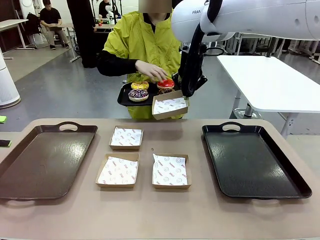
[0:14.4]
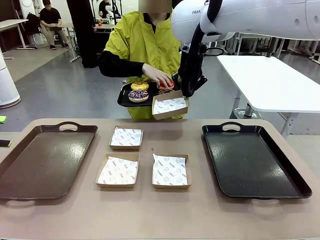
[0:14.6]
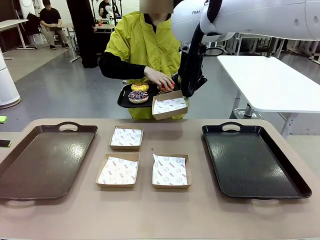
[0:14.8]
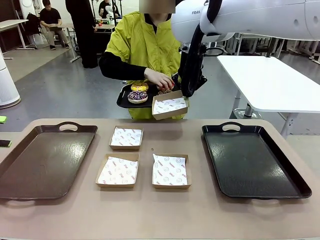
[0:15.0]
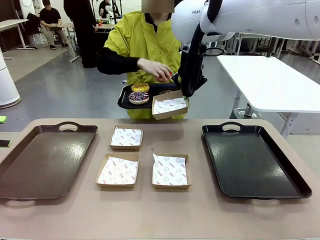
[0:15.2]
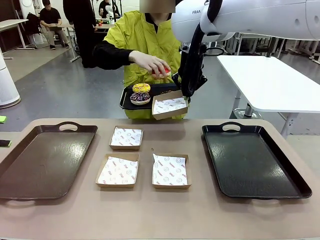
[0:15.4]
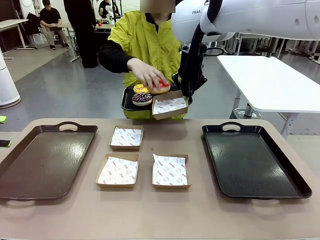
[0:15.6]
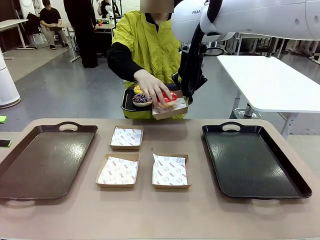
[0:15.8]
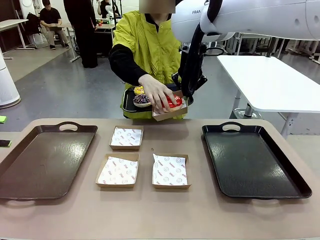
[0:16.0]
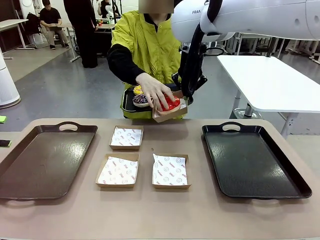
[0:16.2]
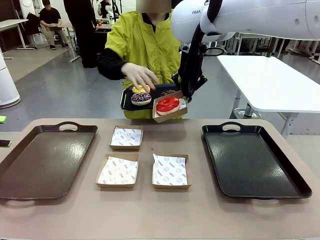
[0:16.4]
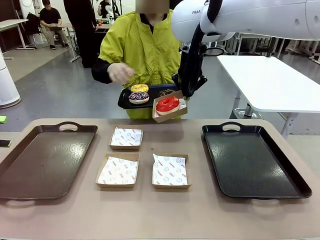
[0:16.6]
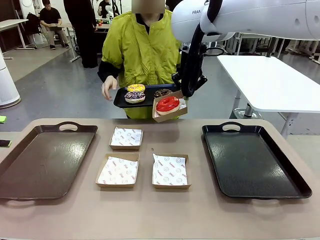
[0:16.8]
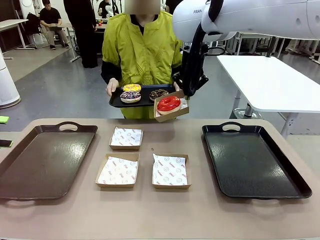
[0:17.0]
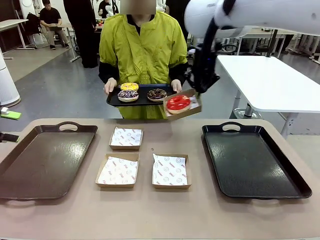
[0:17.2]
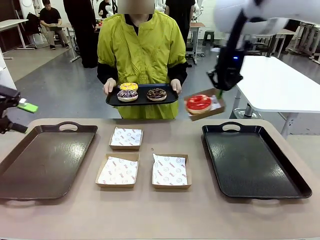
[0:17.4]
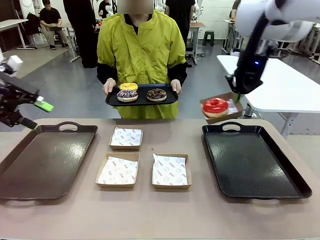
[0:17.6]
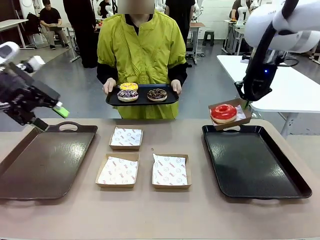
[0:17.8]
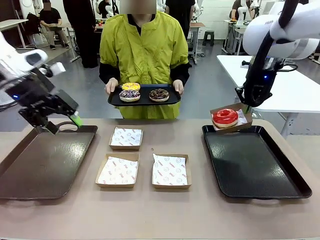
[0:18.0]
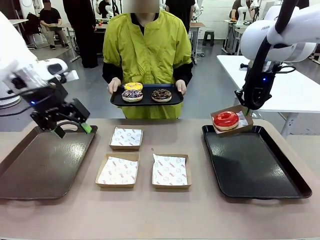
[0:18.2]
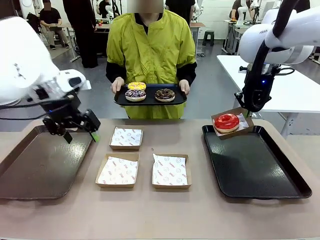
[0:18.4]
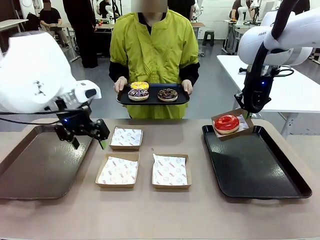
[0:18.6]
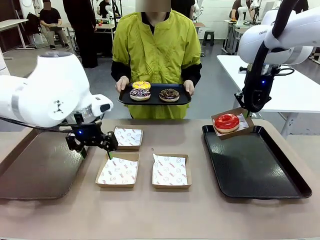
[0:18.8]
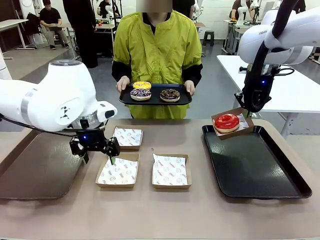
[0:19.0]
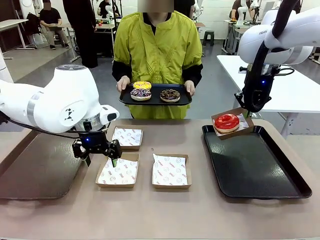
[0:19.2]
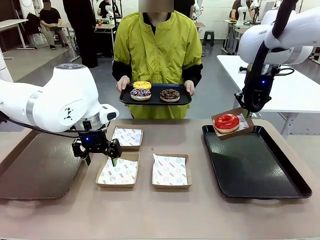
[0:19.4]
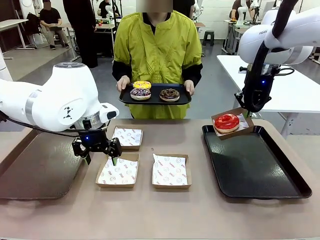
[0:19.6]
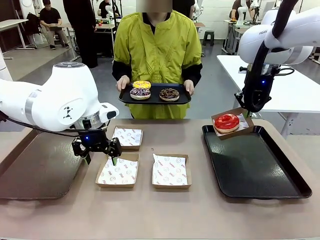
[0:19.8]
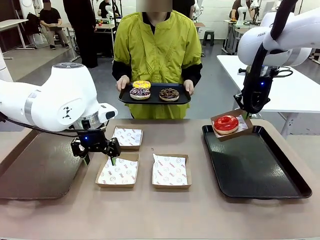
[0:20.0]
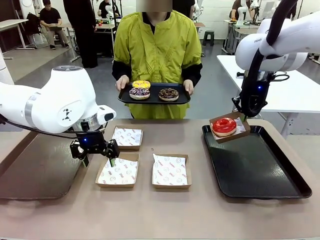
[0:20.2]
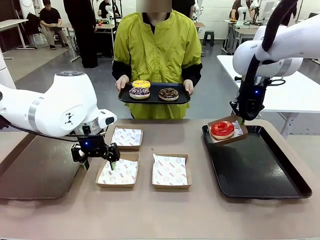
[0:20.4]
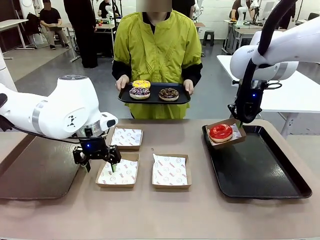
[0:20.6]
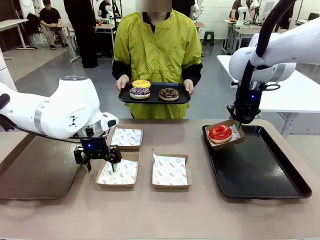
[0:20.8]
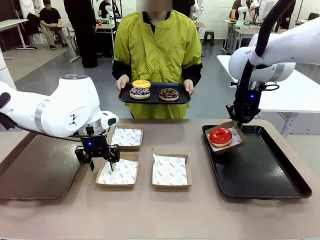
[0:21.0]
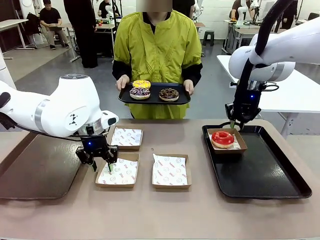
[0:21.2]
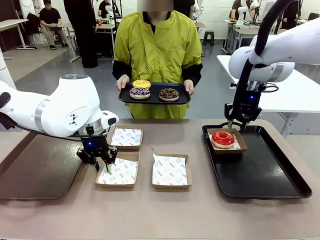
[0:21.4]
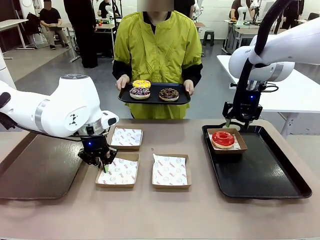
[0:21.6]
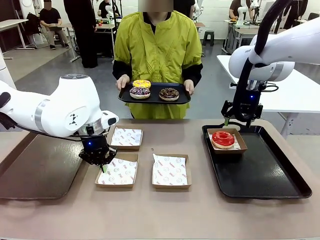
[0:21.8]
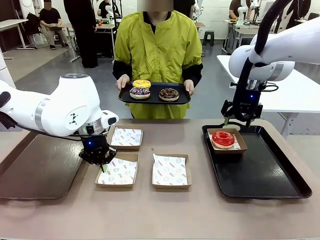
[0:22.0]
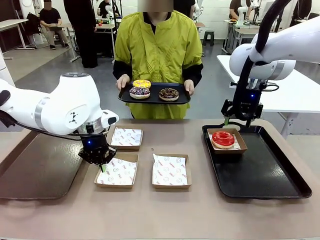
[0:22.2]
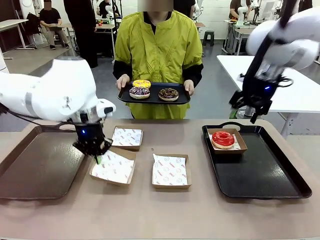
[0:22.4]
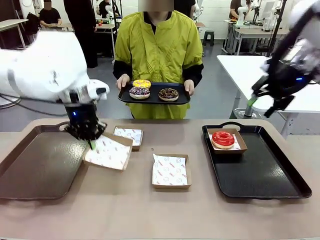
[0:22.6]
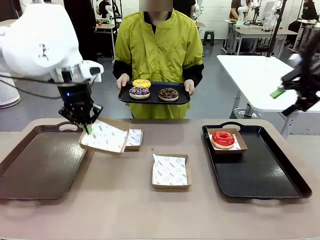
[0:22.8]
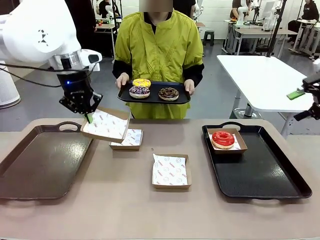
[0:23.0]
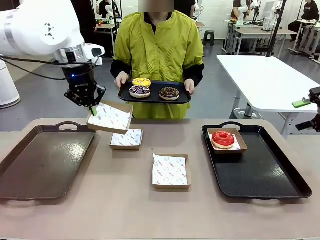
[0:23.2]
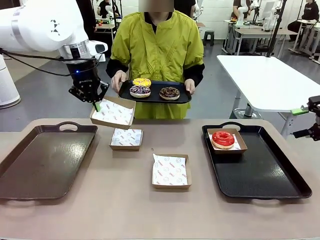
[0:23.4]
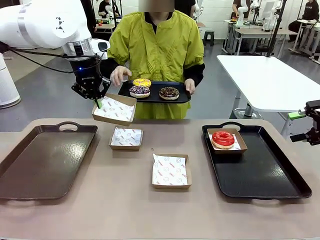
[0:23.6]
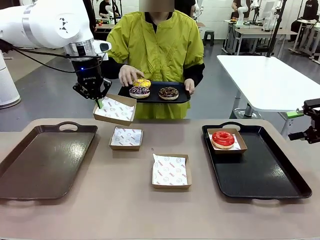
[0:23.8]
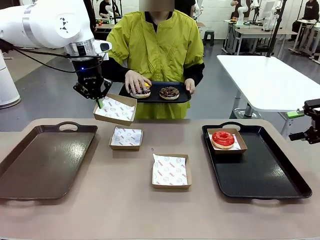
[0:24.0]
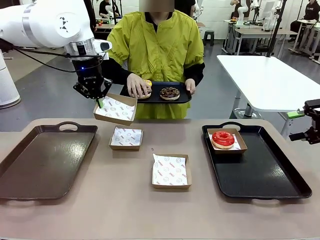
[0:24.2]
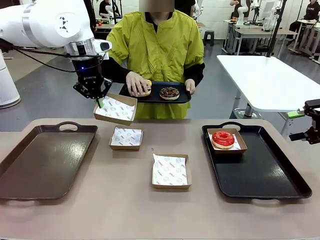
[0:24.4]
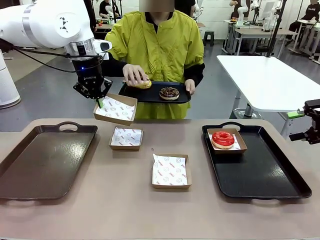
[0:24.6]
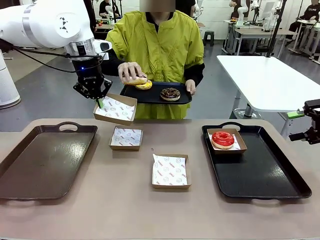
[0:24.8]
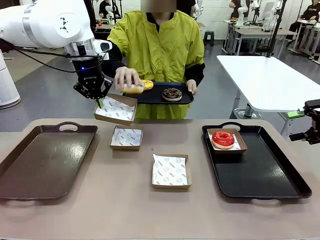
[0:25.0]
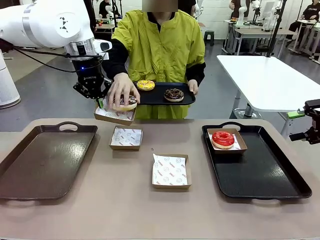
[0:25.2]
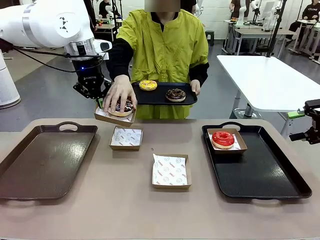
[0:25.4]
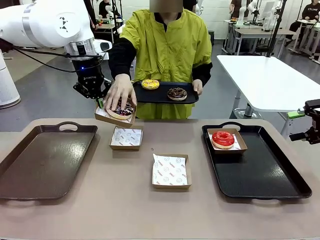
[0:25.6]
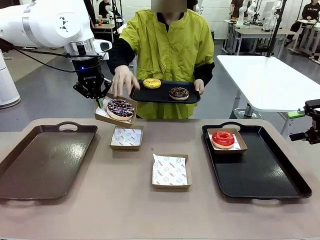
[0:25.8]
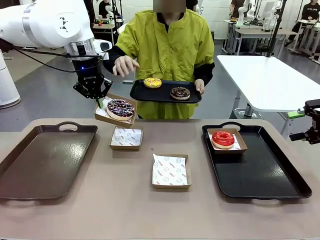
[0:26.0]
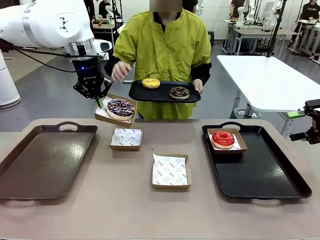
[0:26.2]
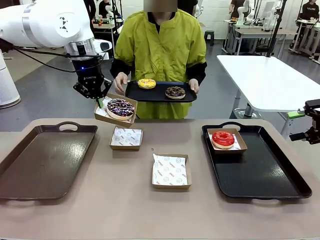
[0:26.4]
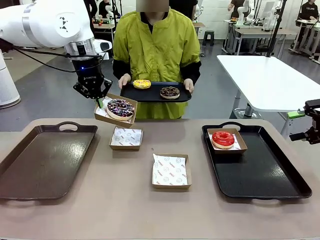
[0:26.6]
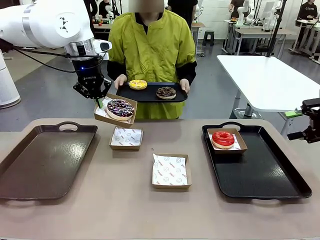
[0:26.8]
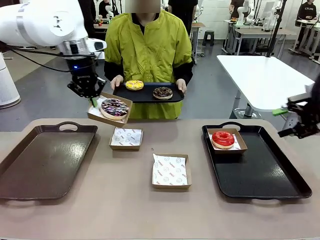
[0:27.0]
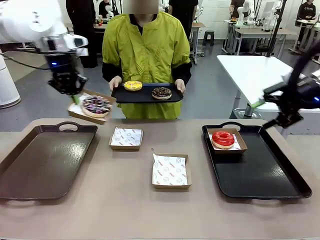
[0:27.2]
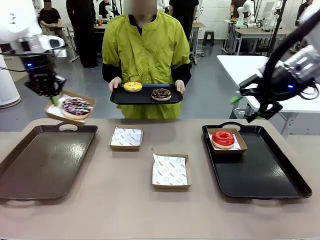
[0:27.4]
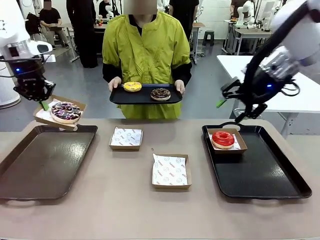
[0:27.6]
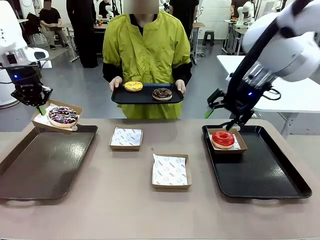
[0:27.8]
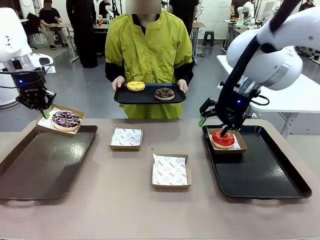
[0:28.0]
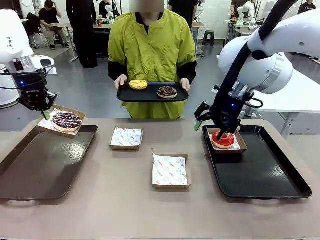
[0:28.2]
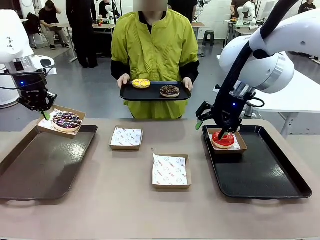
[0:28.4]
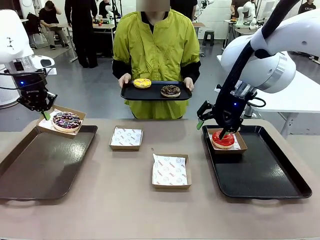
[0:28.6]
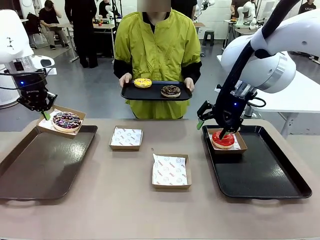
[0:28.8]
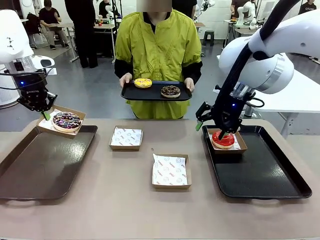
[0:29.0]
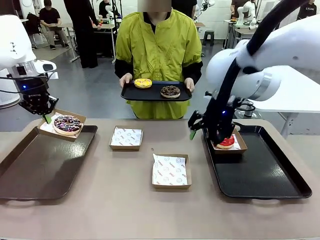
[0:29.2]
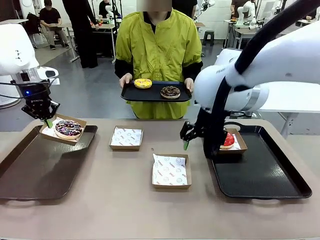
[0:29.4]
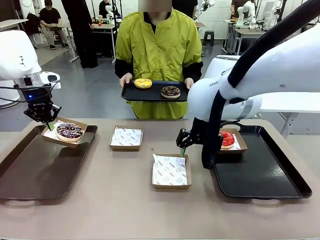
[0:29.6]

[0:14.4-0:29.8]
Task: Individually package the donuts and arrange them on the tray.
Robot: Place the picked Paper togo box on the Handle tray while simultaneously picking up another Paper togo box from the table with the other hand.
